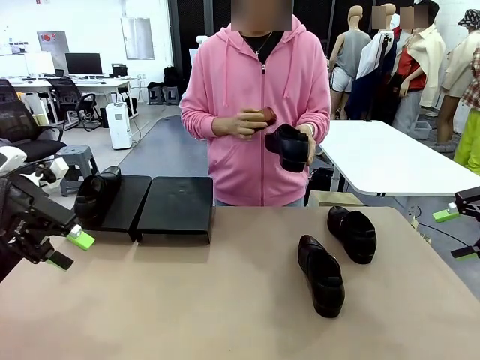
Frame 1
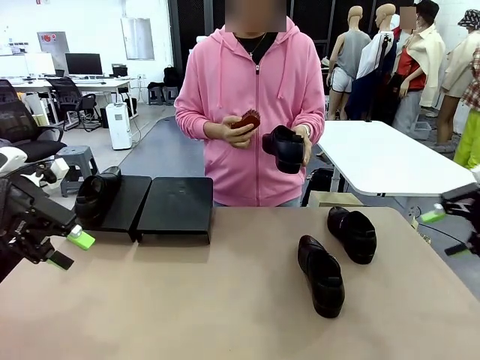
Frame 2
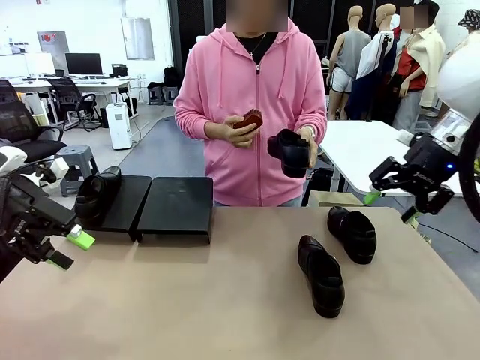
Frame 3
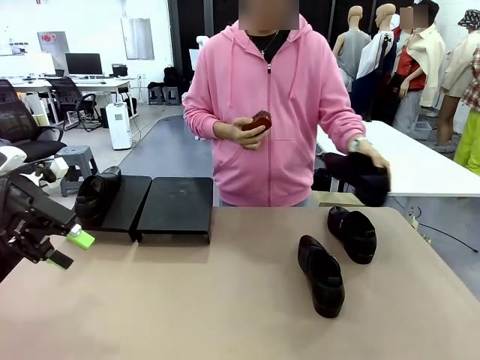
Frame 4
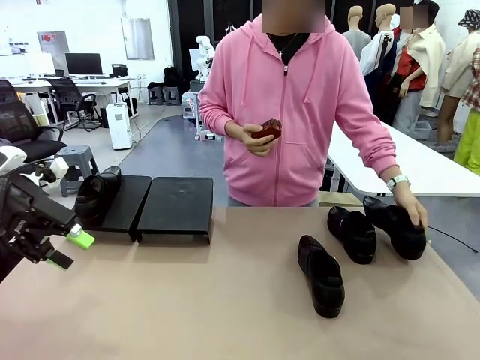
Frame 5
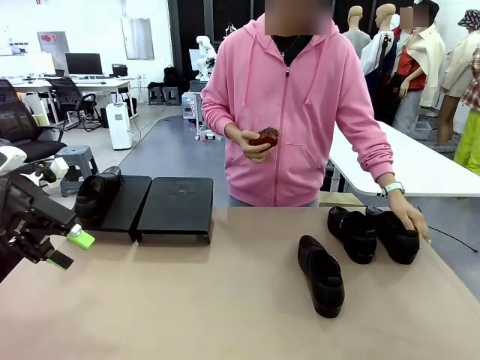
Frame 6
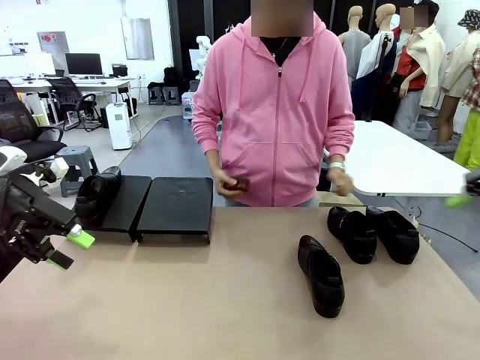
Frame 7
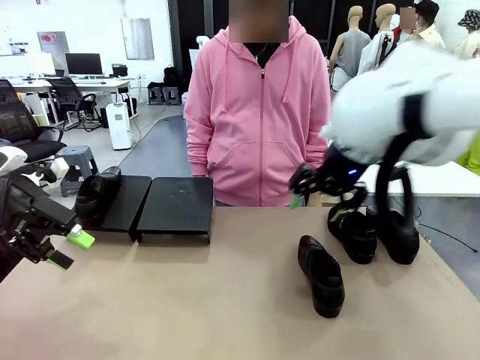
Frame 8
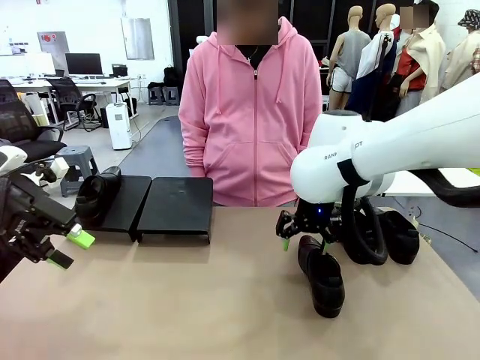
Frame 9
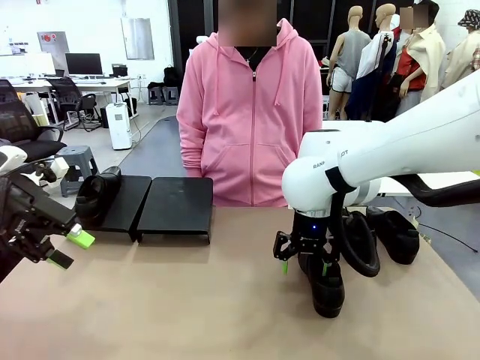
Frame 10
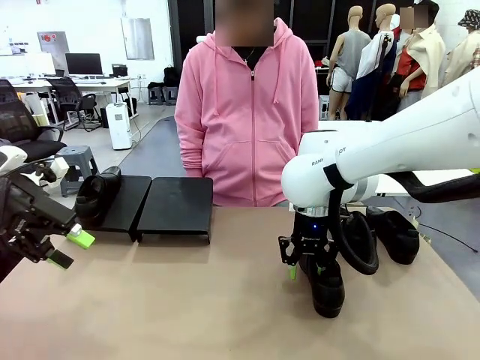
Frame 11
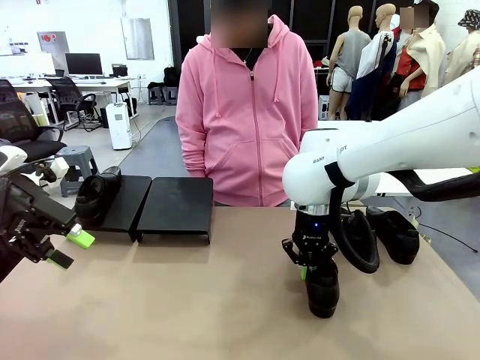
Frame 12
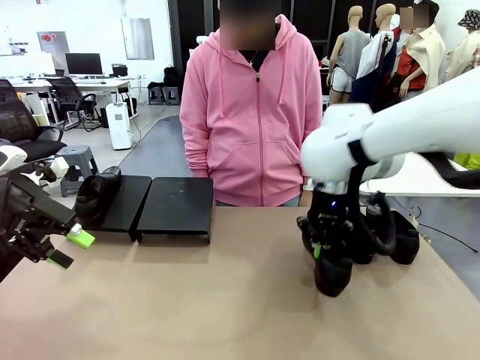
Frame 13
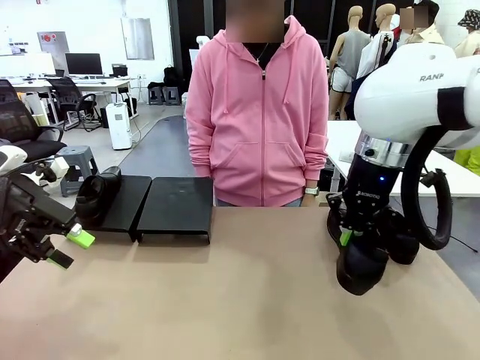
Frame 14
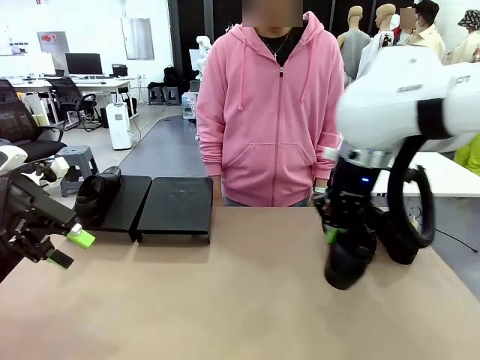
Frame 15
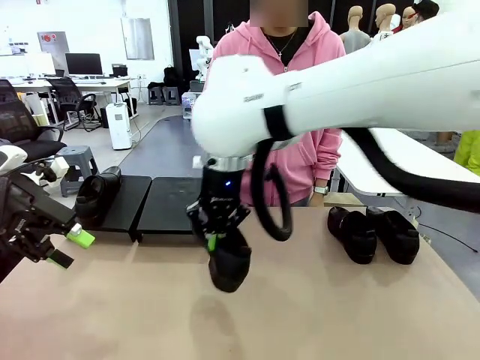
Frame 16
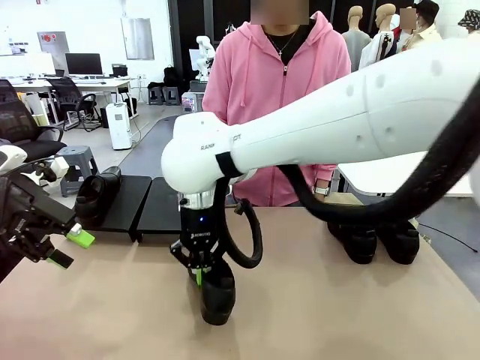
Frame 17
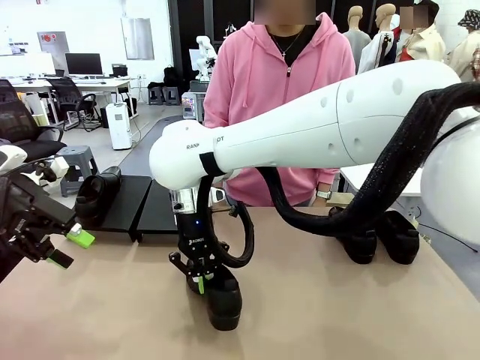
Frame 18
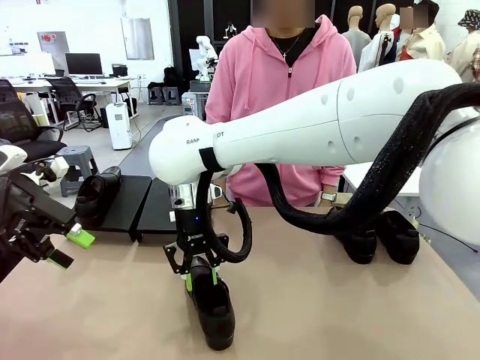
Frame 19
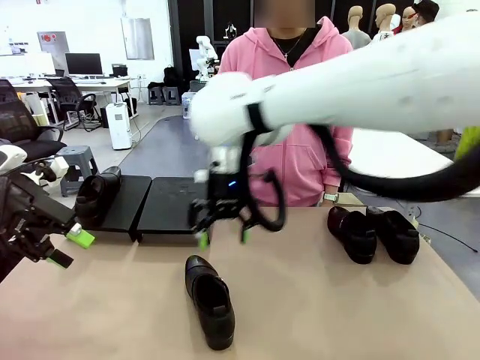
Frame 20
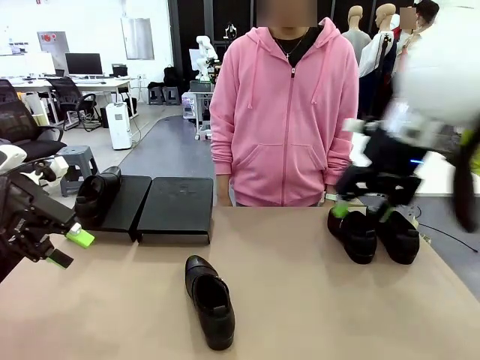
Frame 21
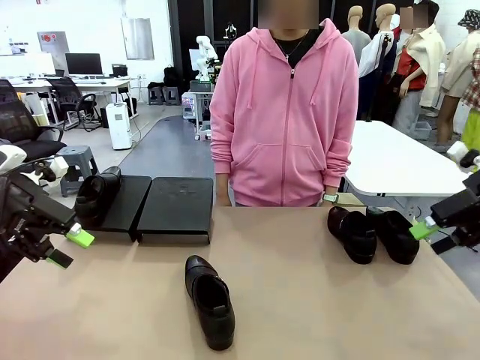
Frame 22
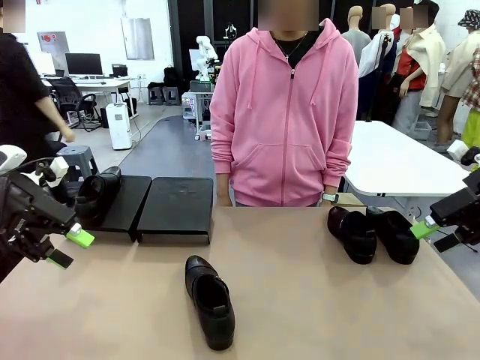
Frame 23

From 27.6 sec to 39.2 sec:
Task: Organize the shoes by placing them on the stand.
Robot: Pick up one Shoe and place it in the middle of the table.

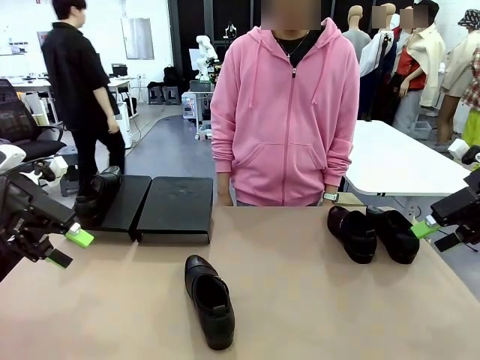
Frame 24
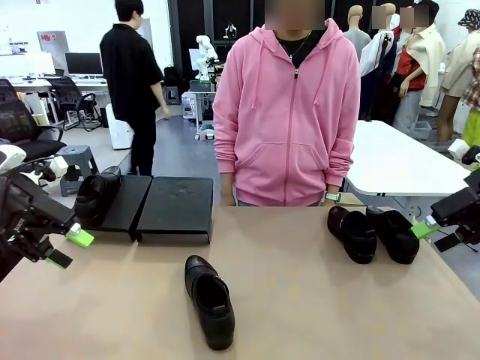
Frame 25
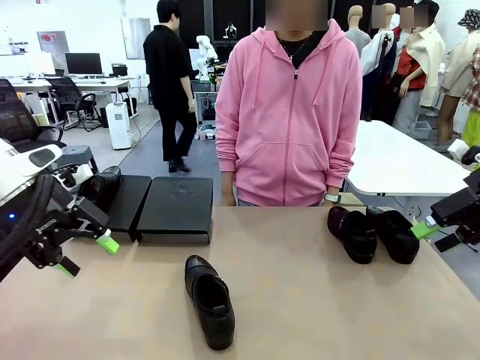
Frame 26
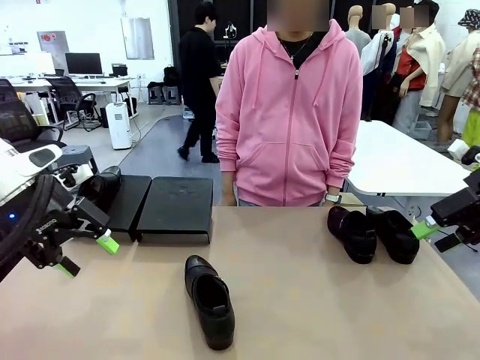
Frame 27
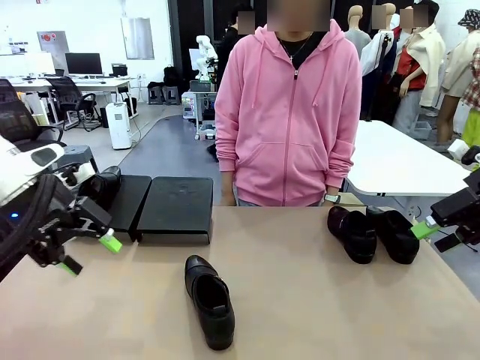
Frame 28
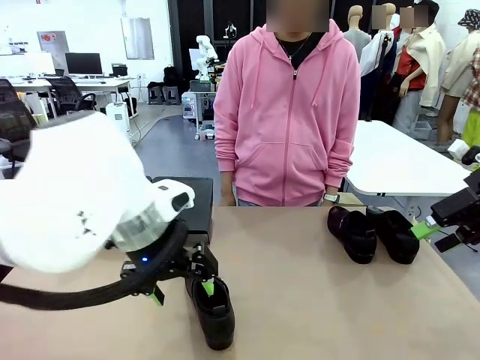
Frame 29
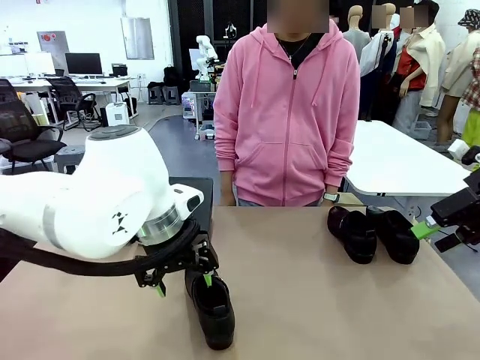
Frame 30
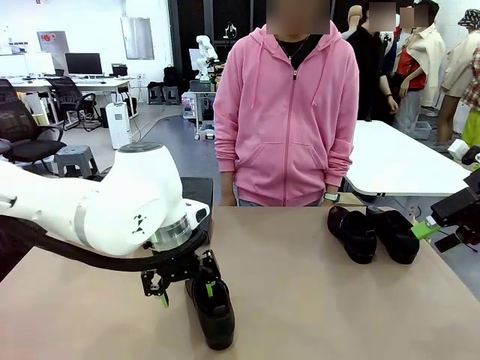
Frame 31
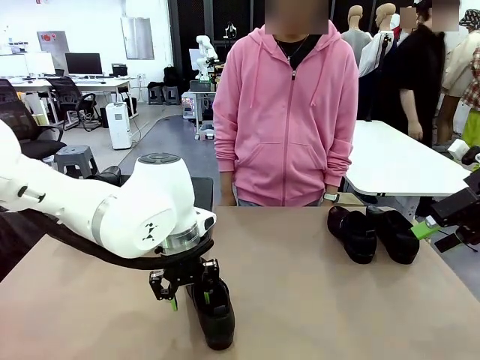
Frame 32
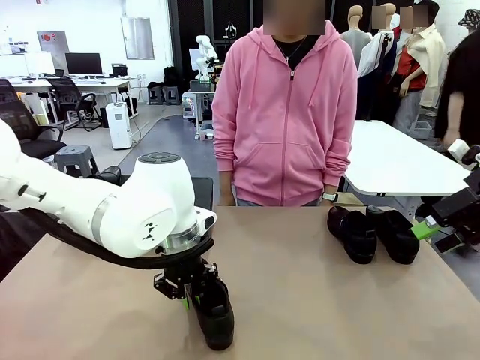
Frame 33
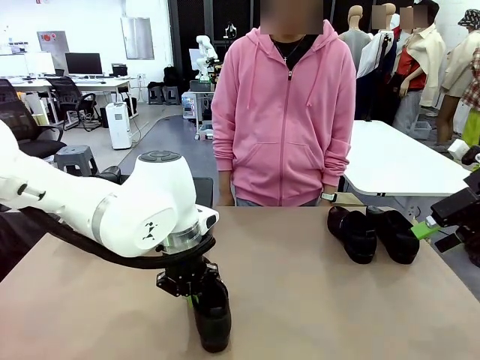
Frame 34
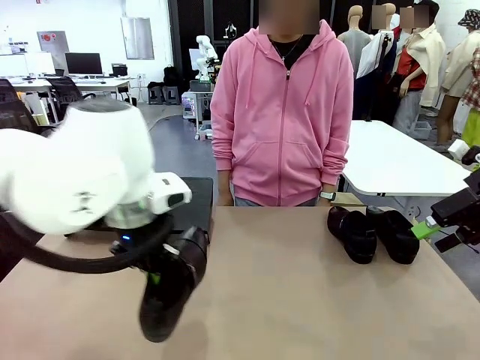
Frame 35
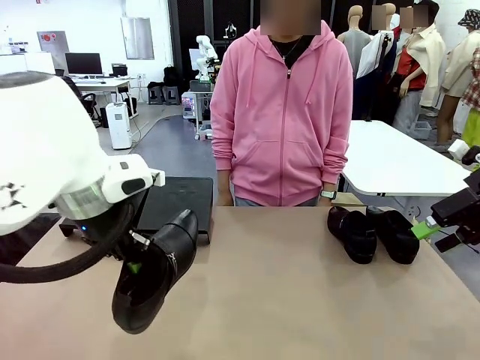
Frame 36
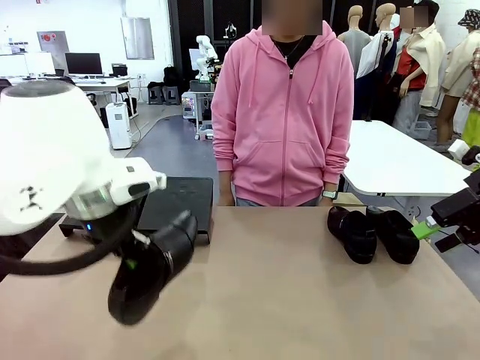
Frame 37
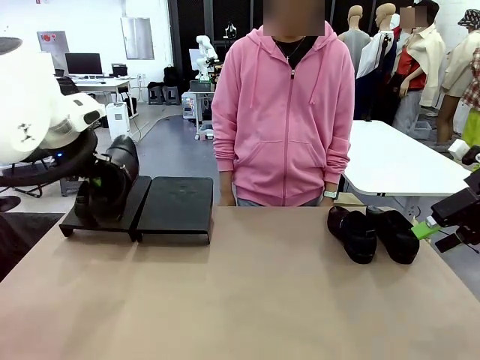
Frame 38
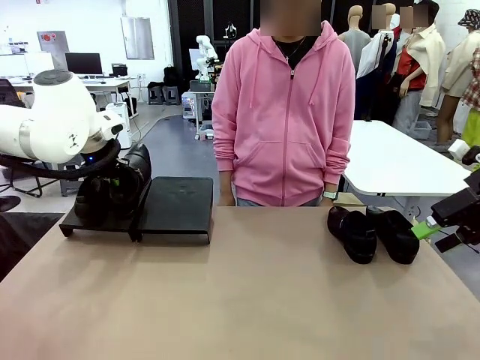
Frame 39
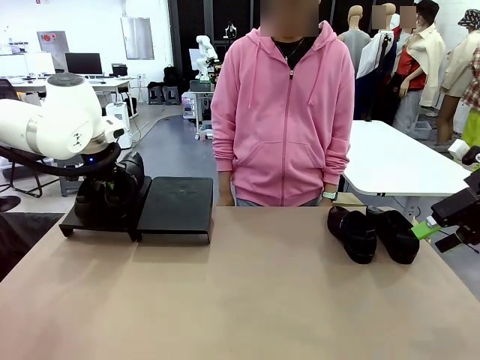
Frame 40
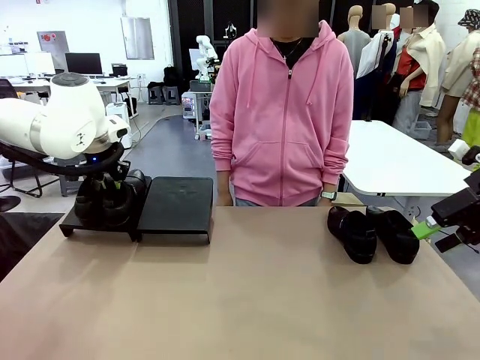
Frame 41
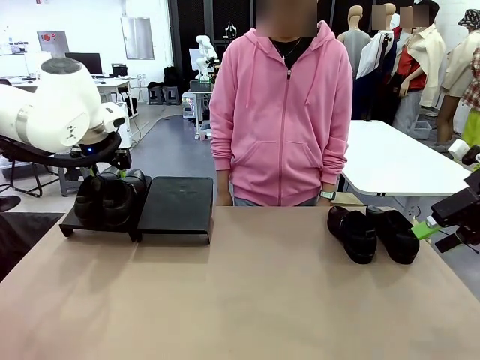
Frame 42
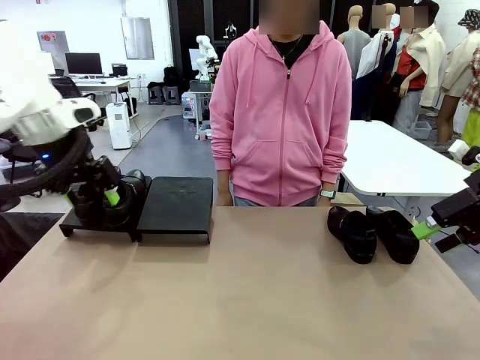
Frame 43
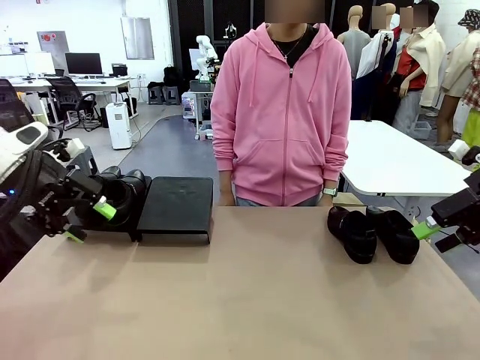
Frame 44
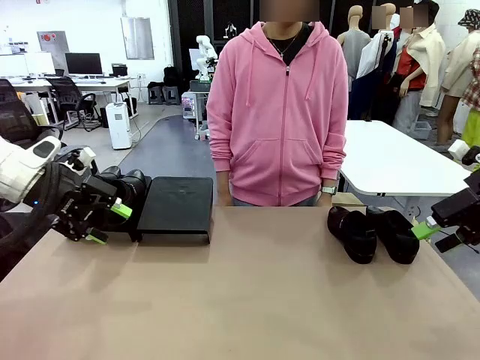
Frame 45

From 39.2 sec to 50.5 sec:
Robot: Place the Shoe from the middle of the table onto the Shoes Stand.
